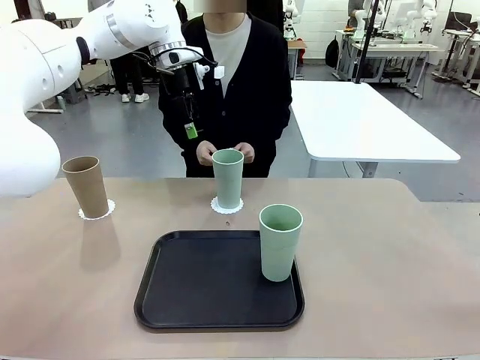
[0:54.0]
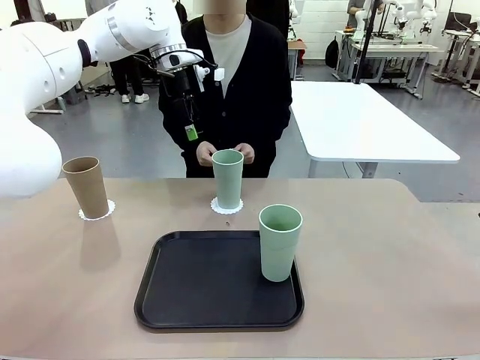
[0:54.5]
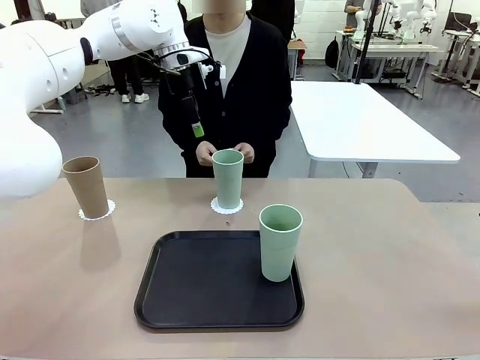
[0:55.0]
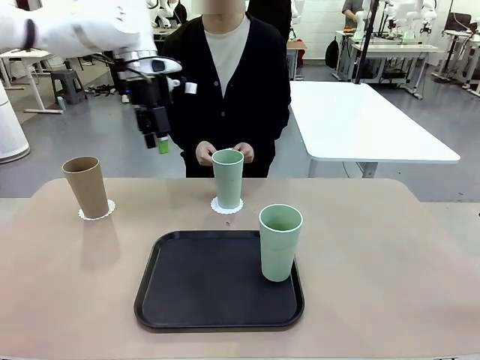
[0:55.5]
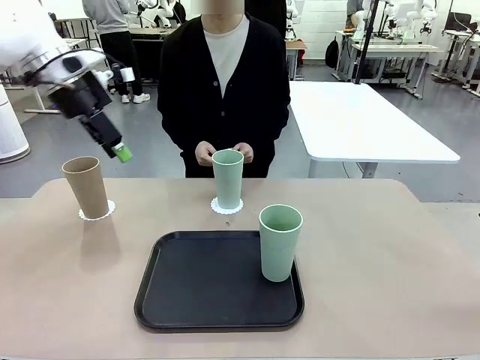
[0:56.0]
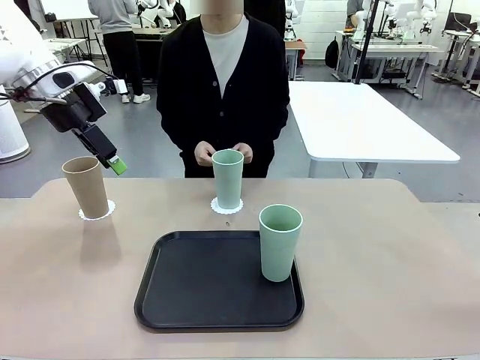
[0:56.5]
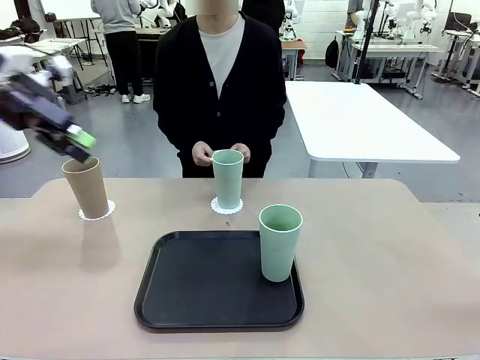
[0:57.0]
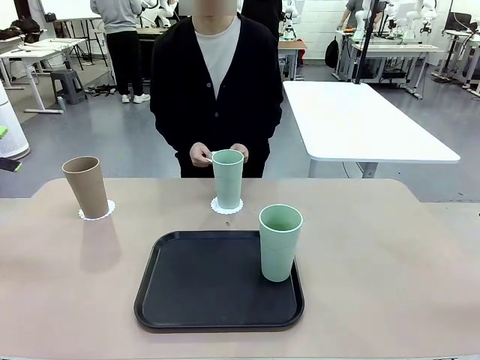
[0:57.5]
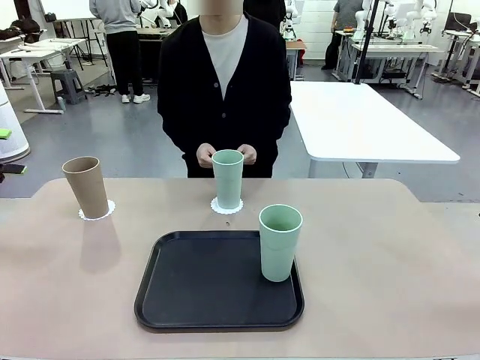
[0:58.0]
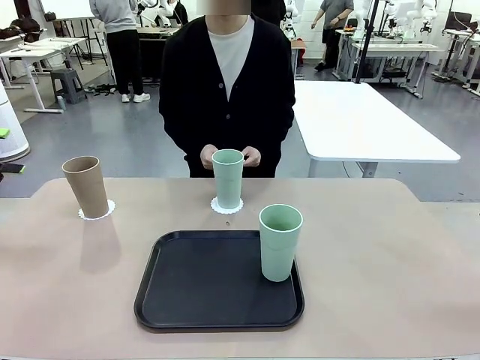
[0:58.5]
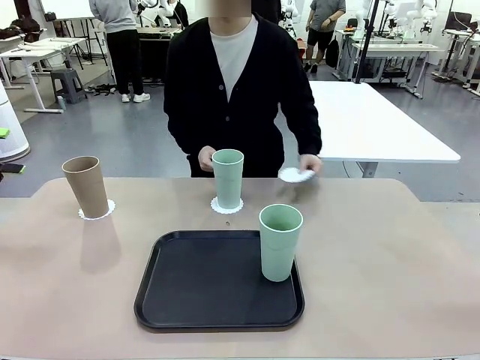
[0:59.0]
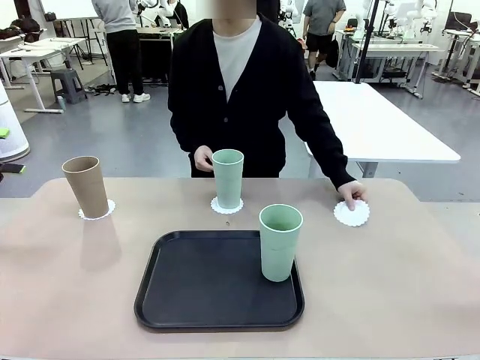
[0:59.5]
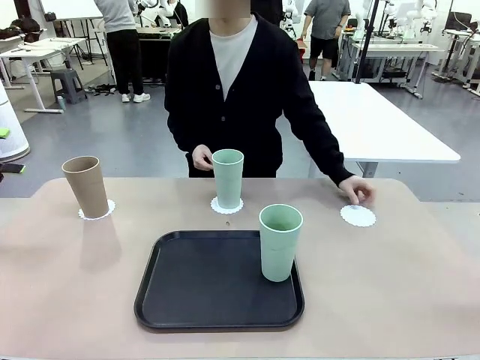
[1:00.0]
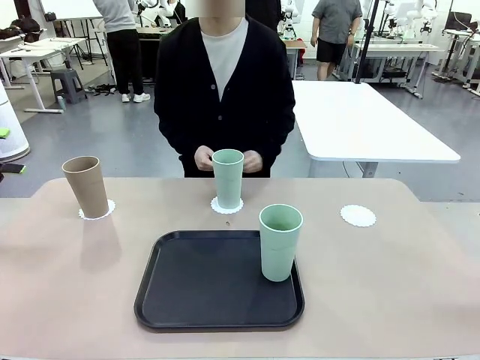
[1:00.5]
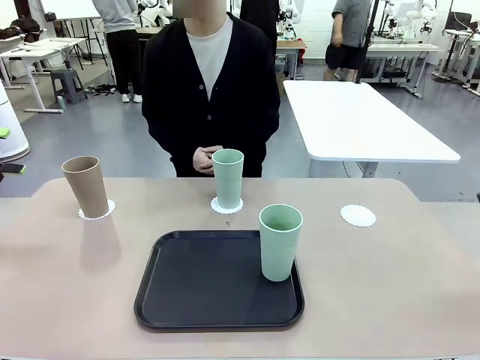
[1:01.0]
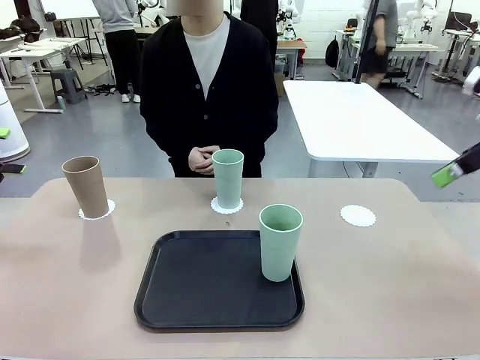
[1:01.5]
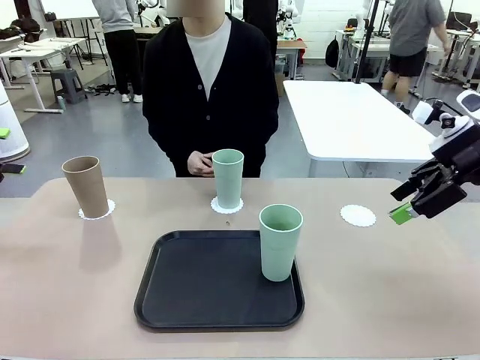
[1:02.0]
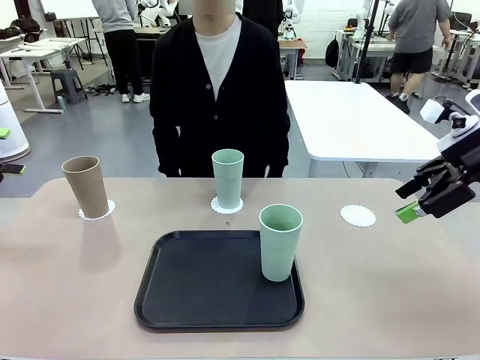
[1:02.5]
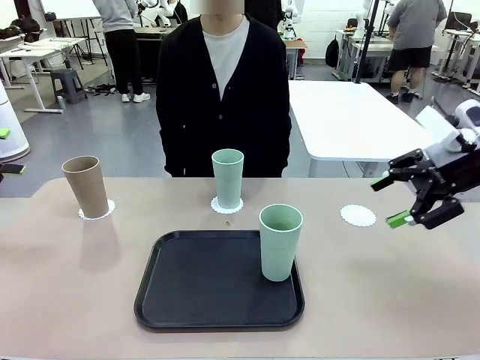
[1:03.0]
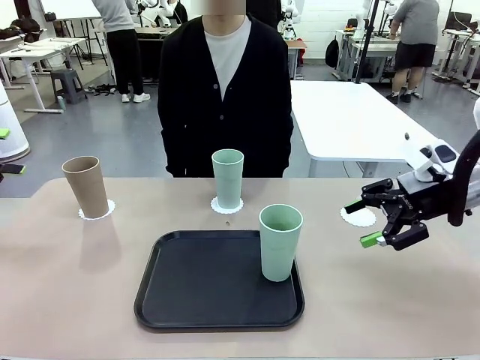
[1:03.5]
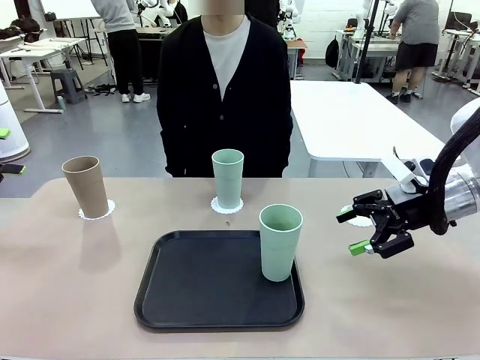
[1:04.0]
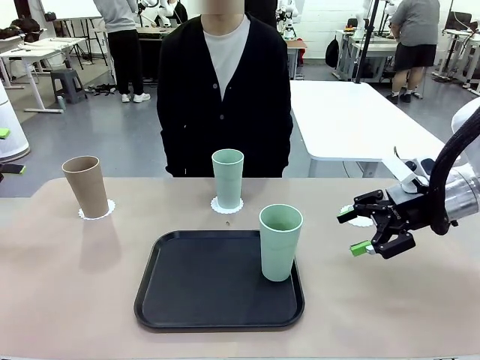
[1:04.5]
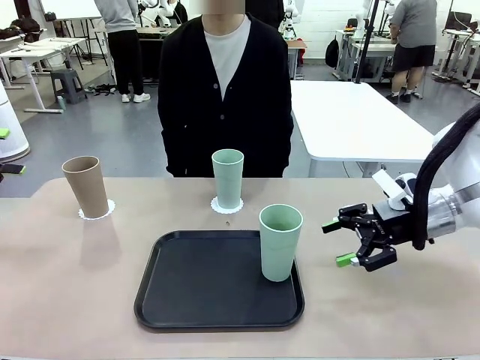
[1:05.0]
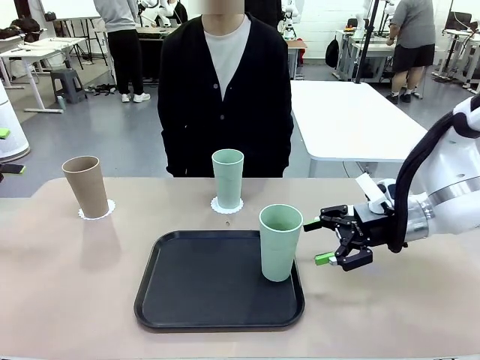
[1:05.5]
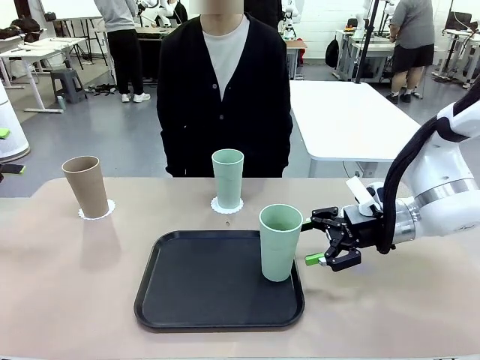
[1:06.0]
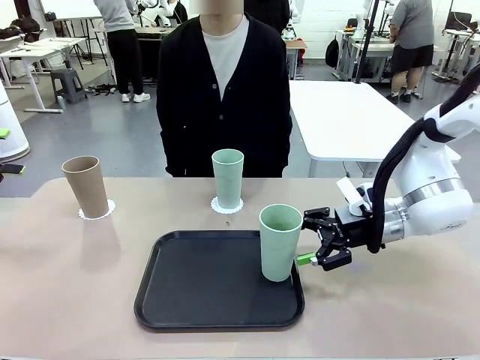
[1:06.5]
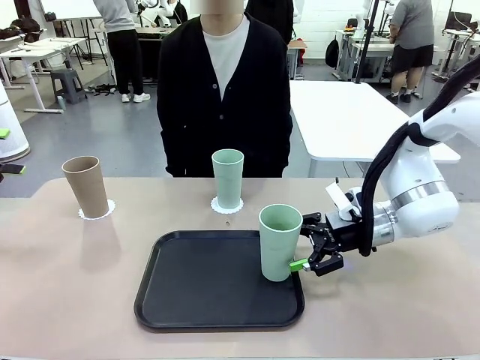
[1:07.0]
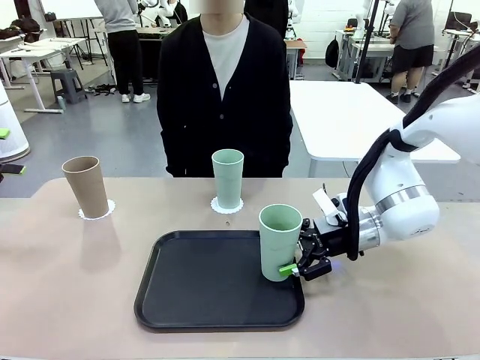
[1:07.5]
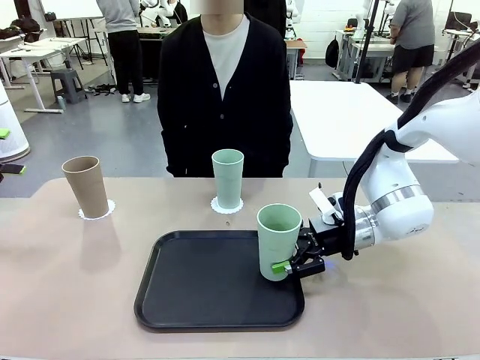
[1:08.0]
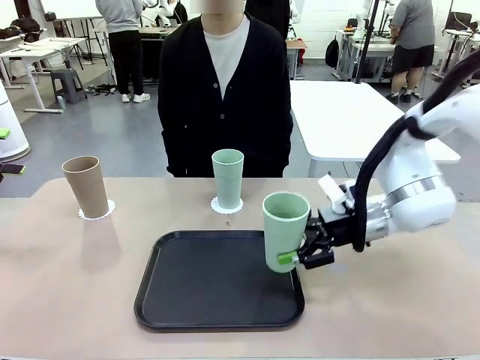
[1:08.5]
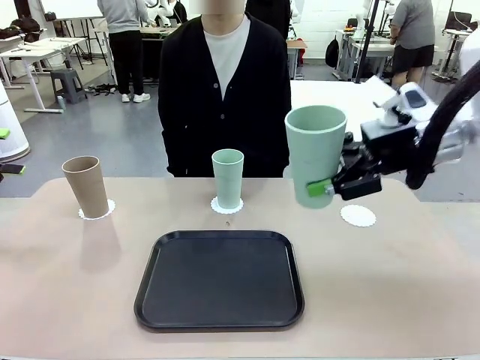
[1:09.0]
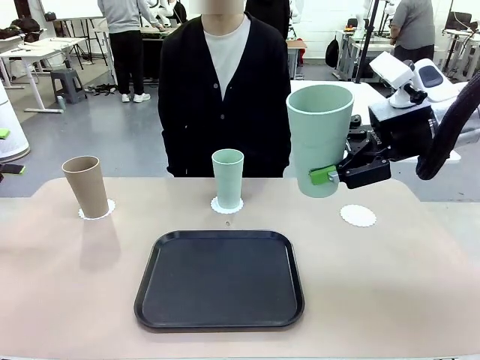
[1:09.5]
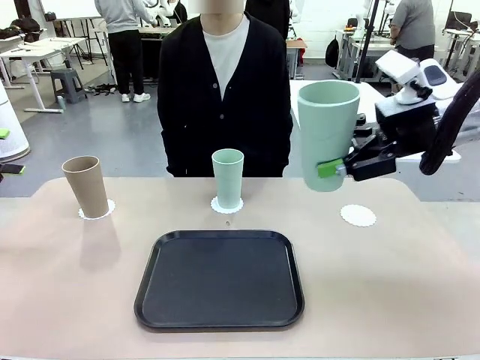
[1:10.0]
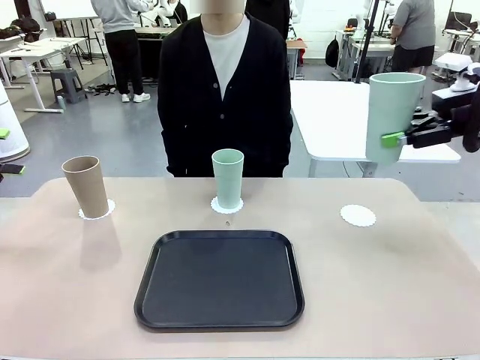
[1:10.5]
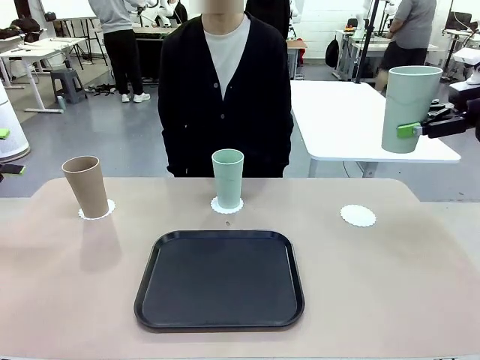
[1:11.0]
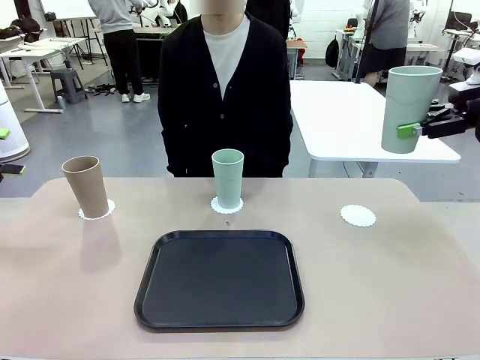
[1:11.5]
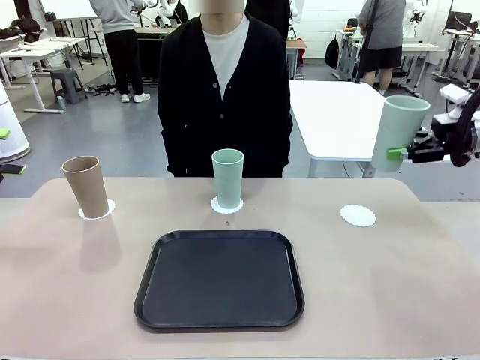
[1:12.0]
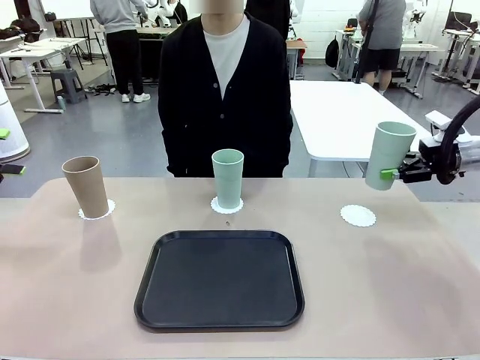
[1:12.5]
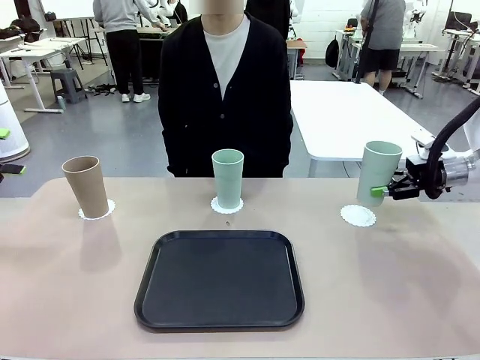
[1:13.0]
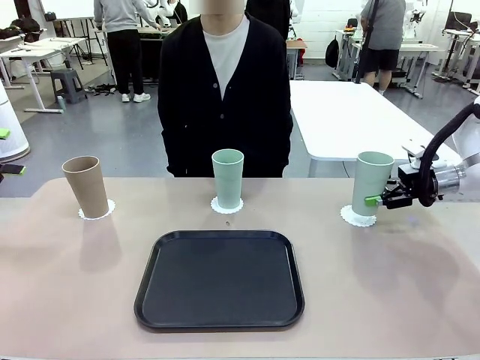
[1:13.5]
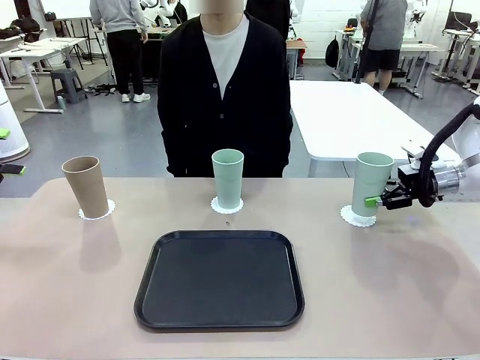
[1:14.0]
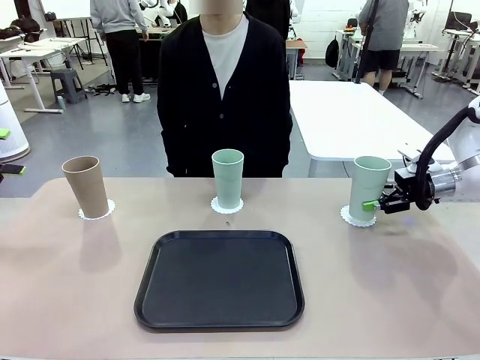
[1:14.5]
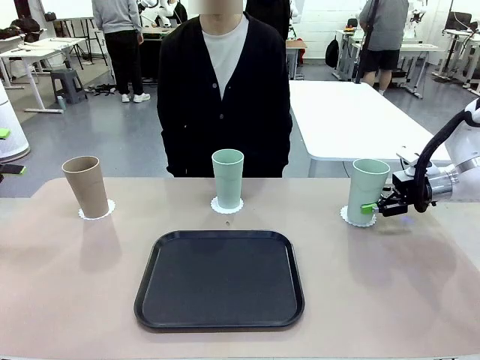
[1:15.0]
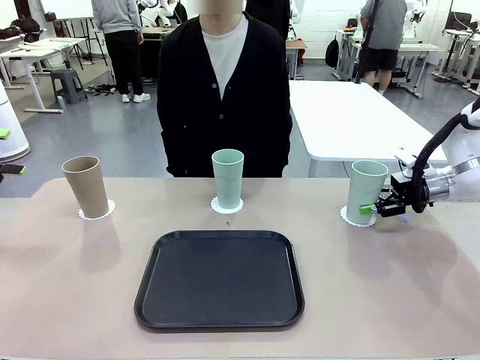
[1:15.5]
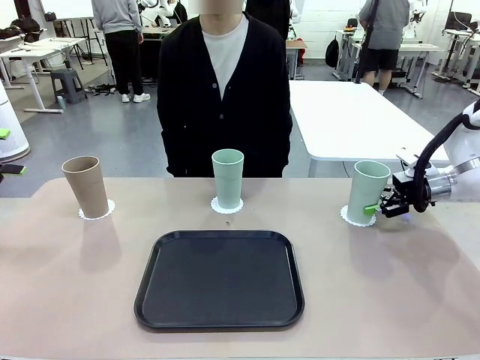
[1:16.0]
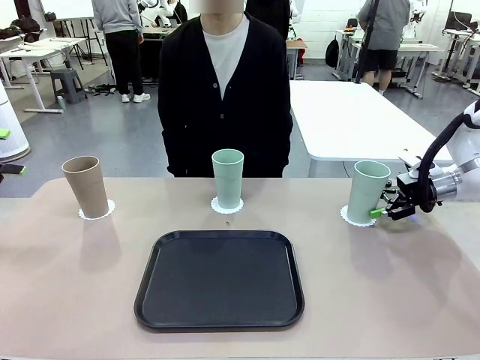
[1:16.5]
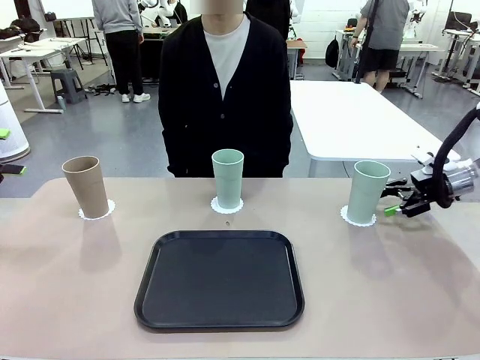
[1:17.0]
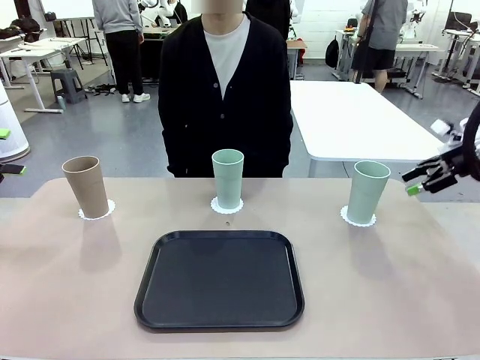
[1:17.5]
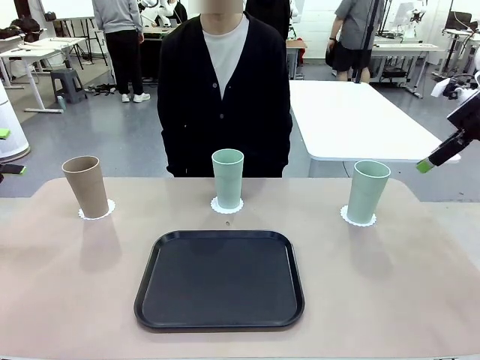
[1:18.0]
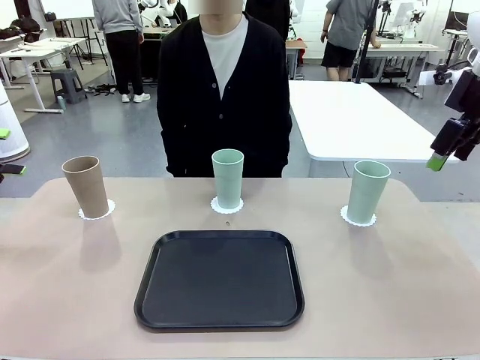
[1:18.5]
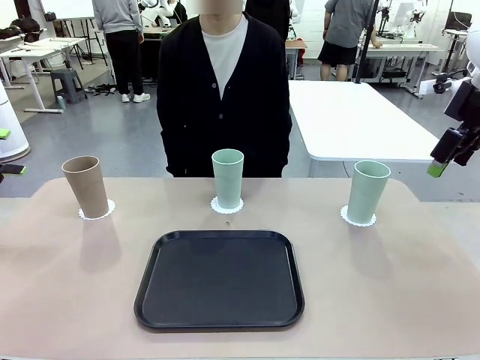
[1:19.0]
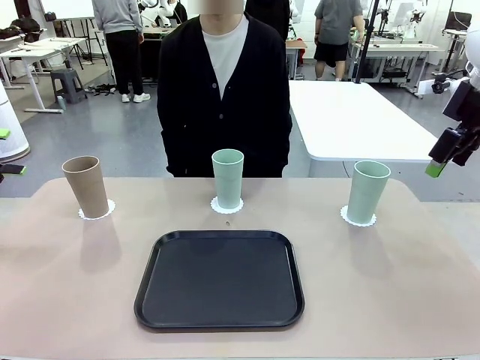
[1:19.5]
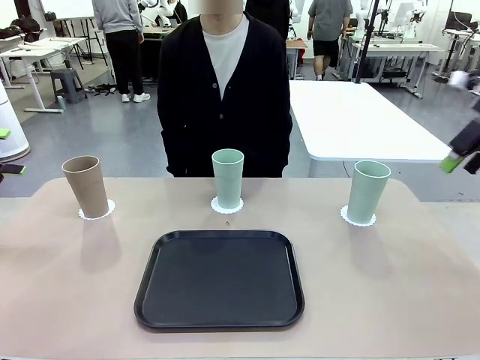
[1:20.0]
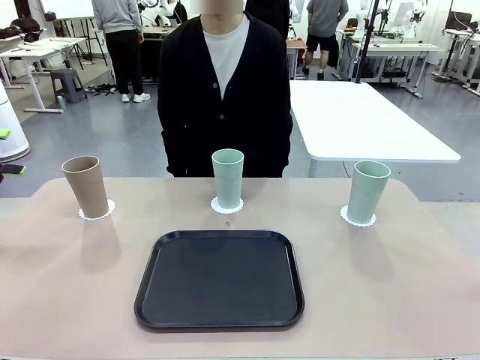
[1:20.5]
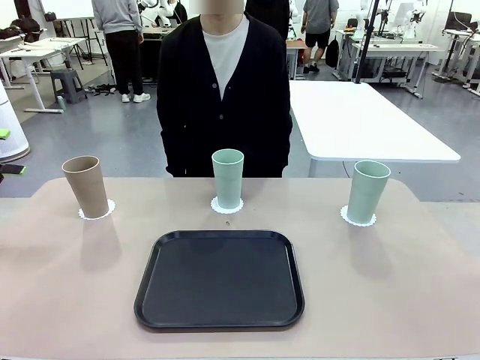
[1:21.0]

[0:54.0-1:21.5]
Task: Place coasters on the table and set cups on them.
Robot: Take one Reusable plastic cup from the Flat Tray and place it on a coaster set by the human.
Person: Place one coaster in the only remaining area.
